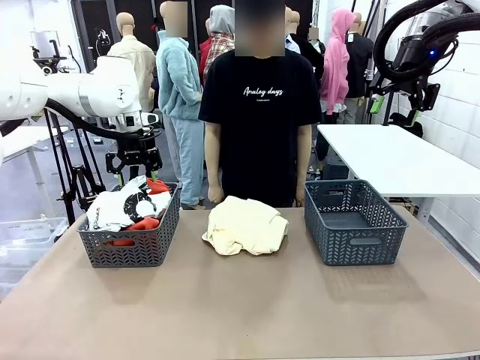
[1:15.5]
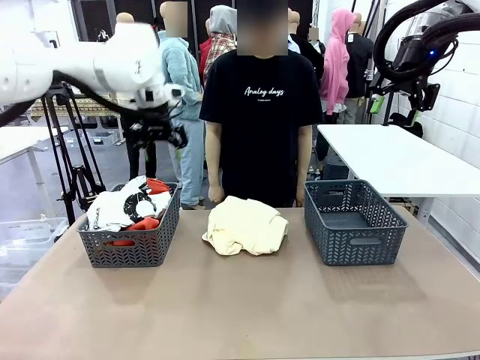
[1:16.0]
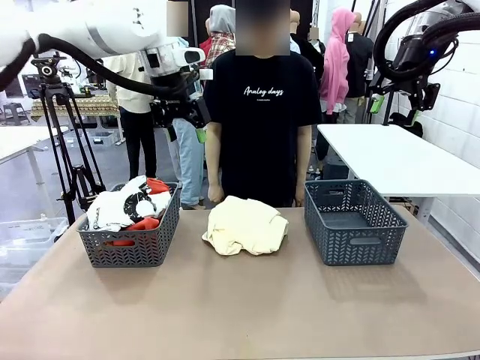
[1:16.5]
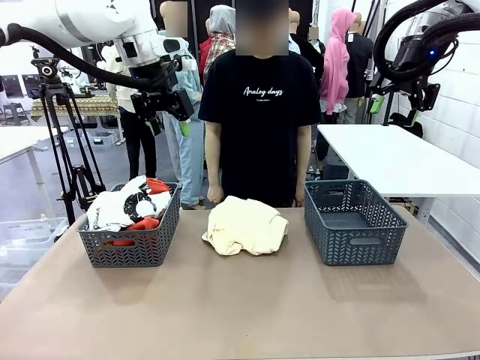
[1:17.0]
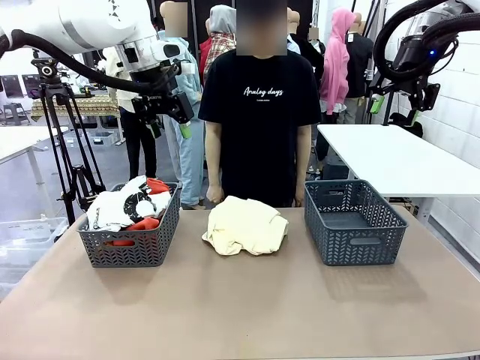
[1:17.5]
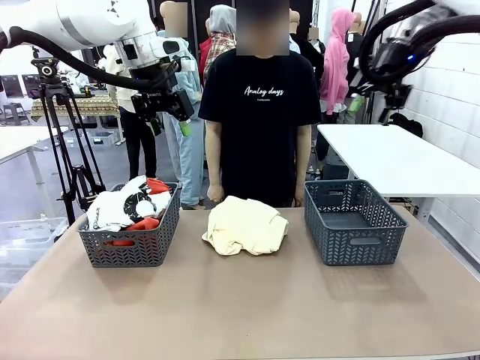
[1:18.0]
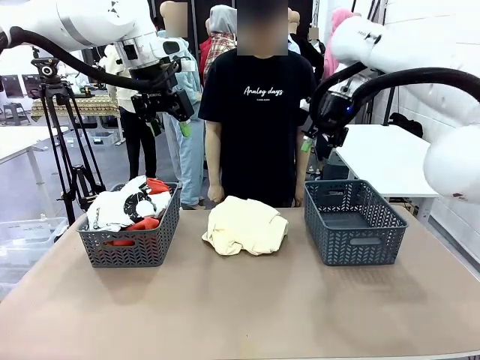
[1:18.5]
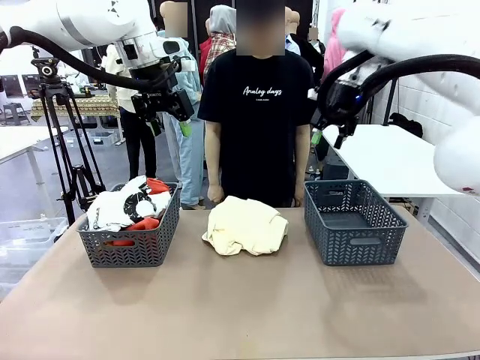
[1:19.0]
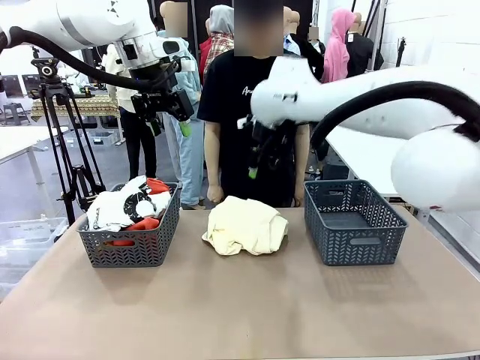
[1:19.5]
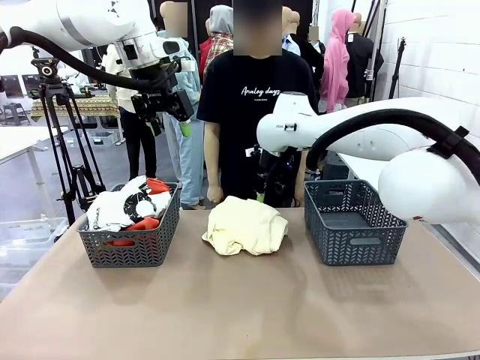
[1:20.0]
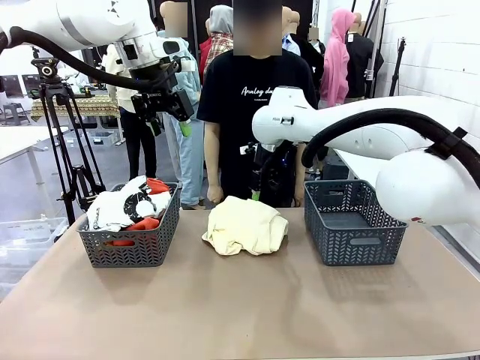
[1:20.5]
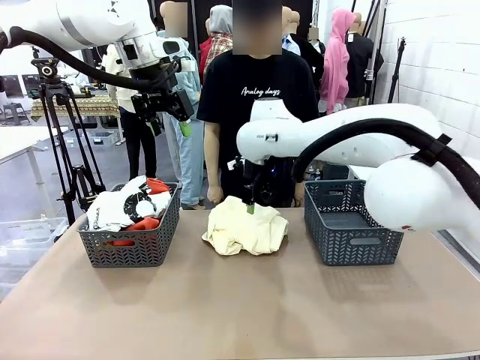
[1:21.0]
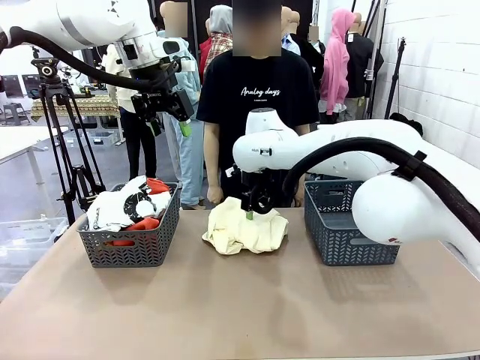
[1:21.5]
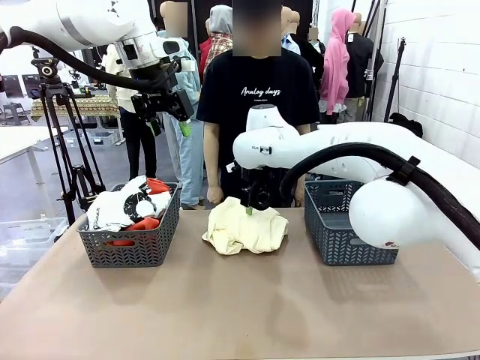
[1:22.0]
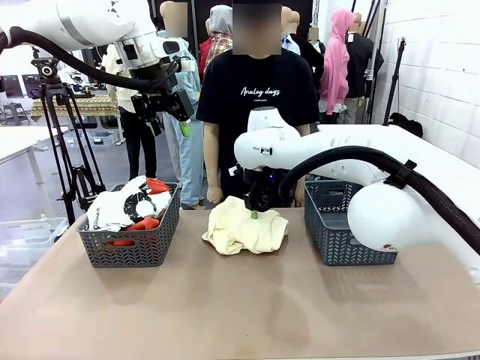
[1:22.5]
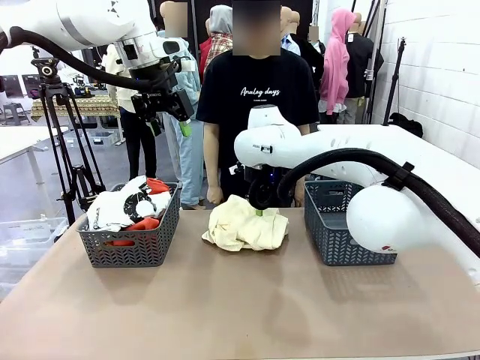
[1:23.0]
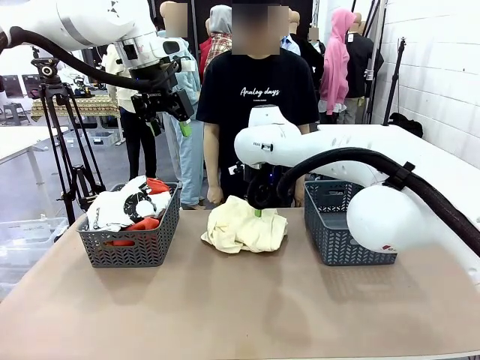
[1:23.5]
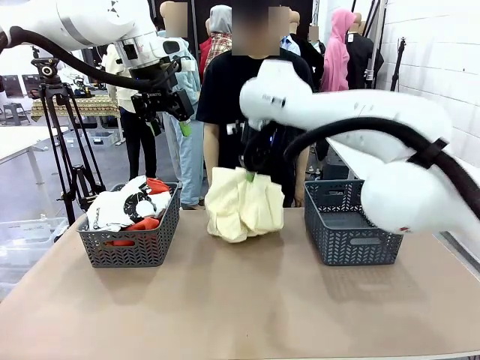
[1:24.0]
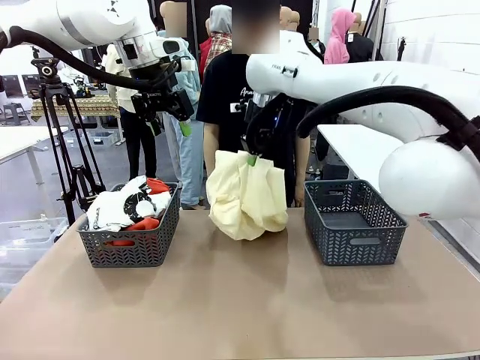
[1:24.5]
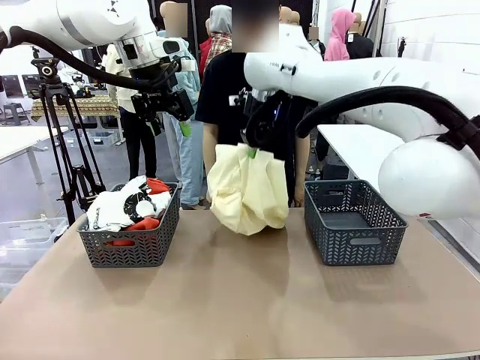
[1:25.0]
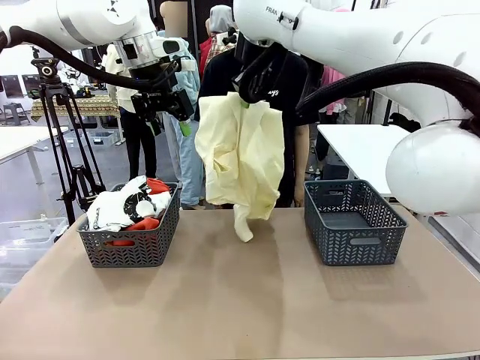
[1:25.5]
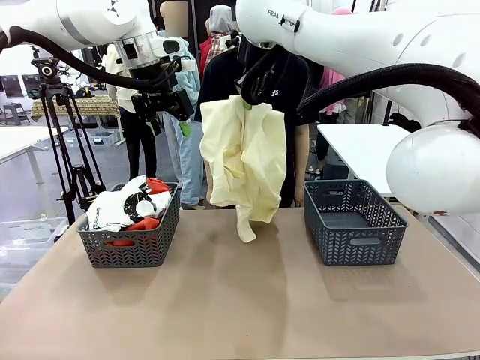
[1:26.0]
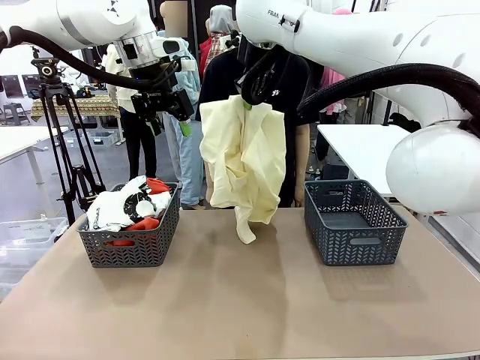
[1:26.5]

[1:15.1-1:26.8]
Task: Sort the tops and bottoms.
Robot: Lift clothes from the center of the table with your right hand.

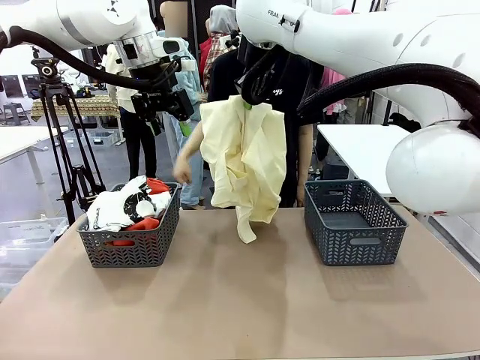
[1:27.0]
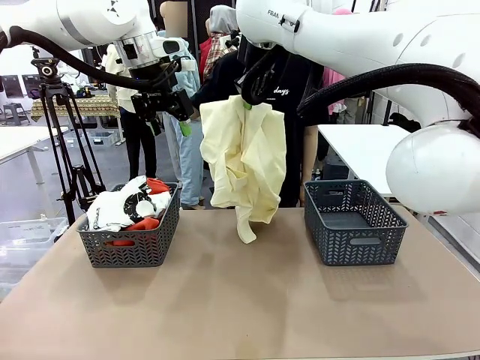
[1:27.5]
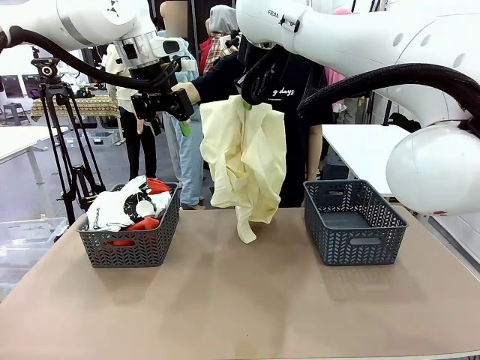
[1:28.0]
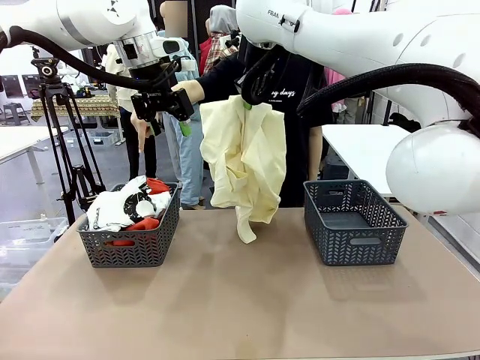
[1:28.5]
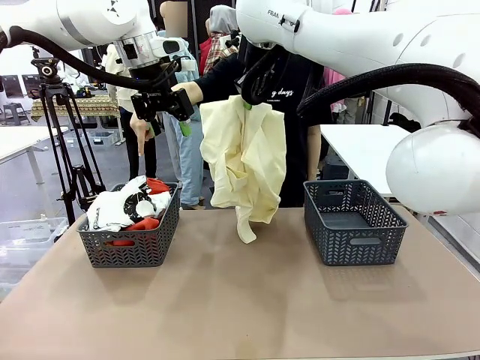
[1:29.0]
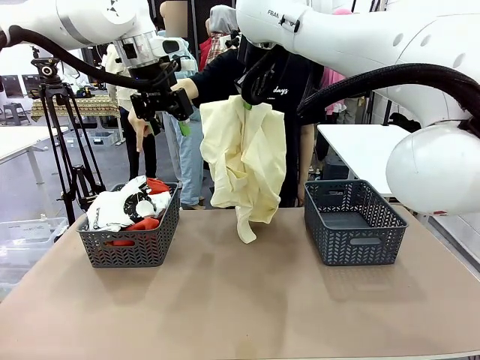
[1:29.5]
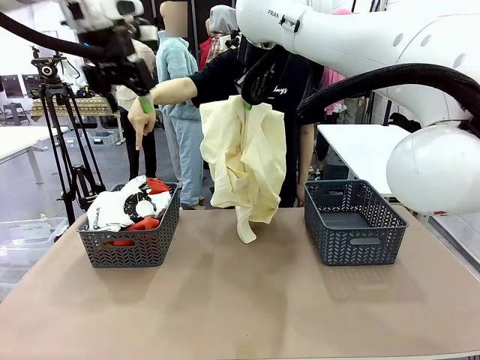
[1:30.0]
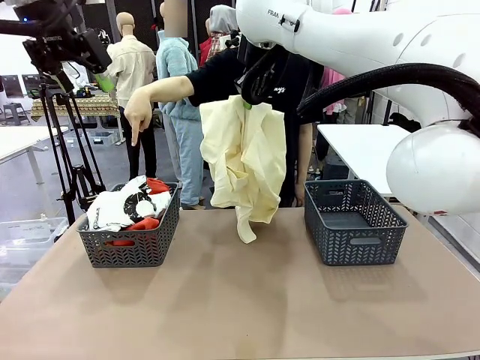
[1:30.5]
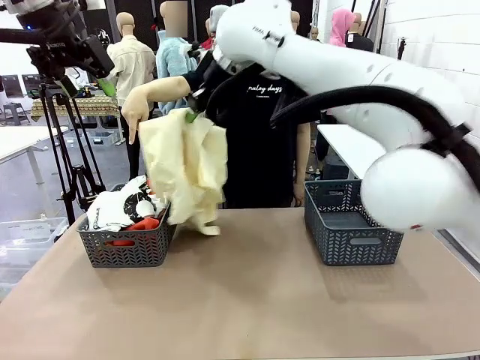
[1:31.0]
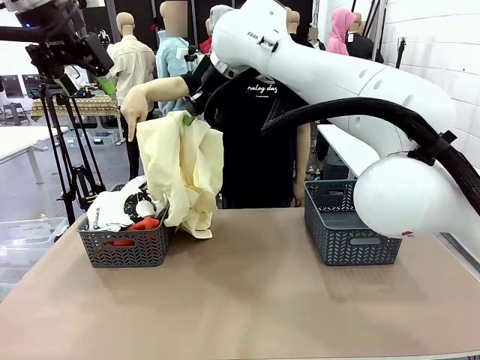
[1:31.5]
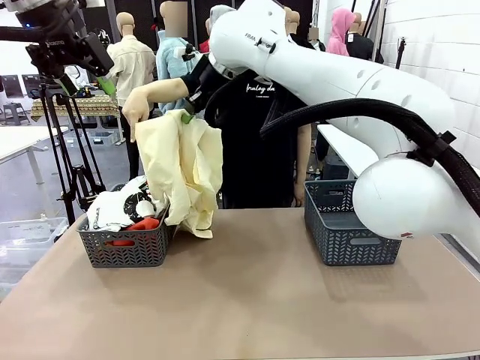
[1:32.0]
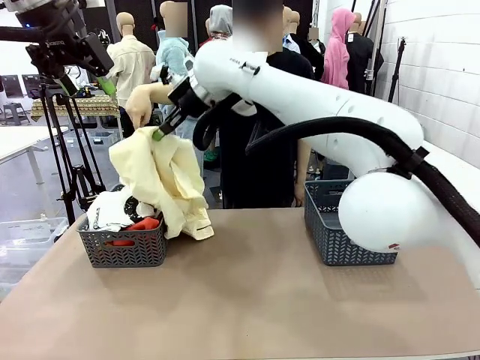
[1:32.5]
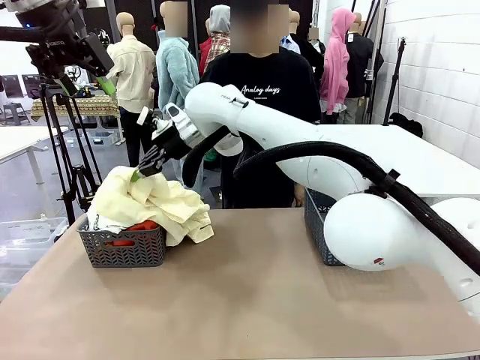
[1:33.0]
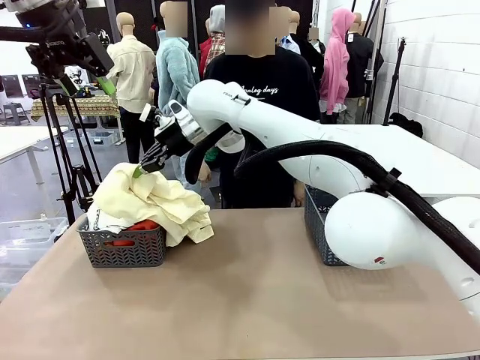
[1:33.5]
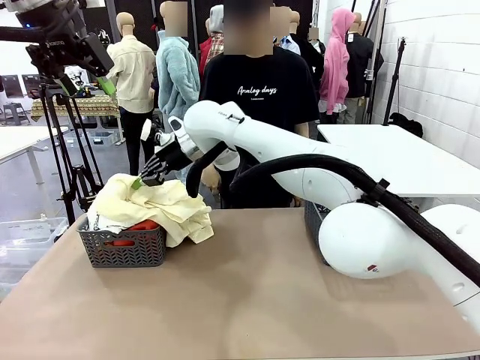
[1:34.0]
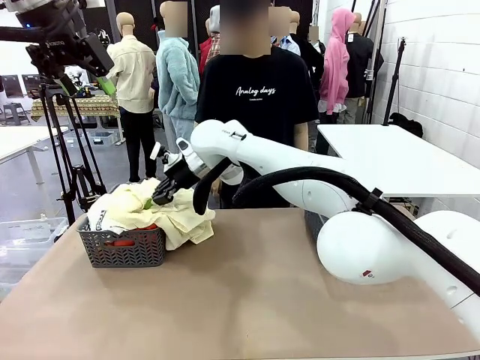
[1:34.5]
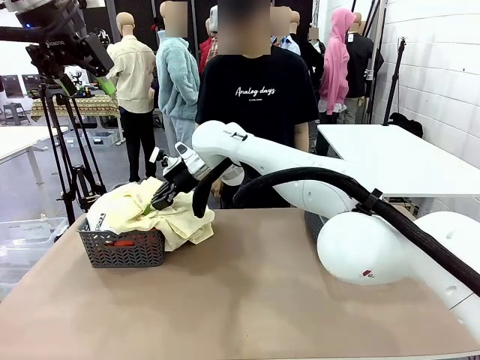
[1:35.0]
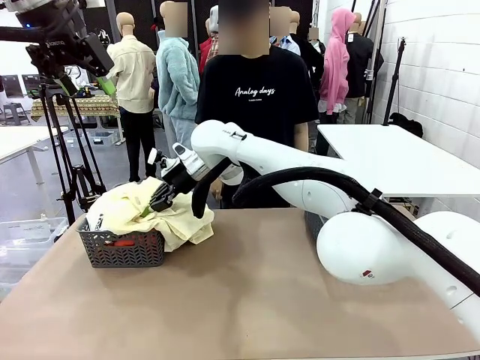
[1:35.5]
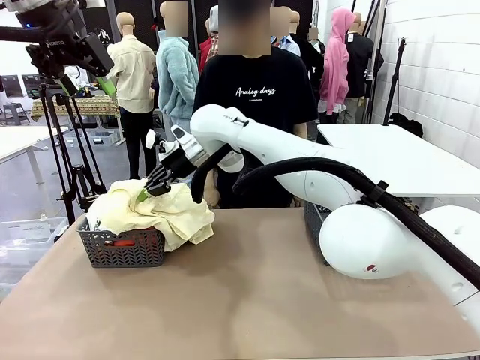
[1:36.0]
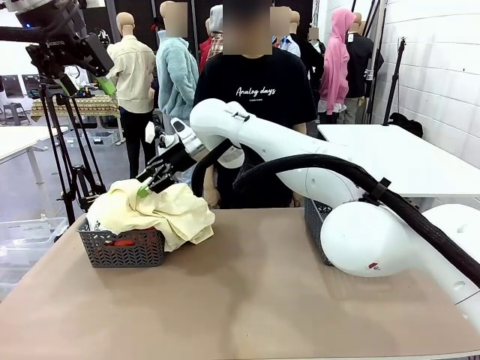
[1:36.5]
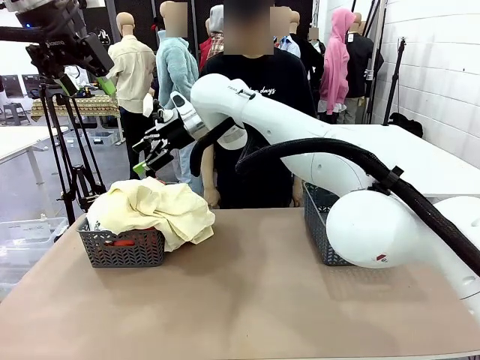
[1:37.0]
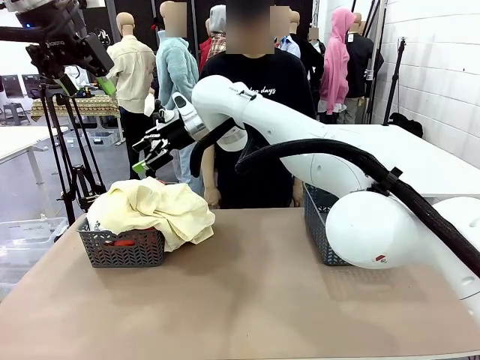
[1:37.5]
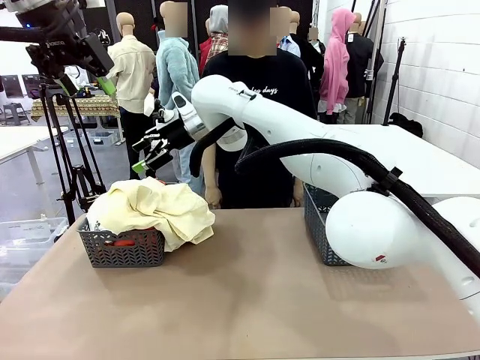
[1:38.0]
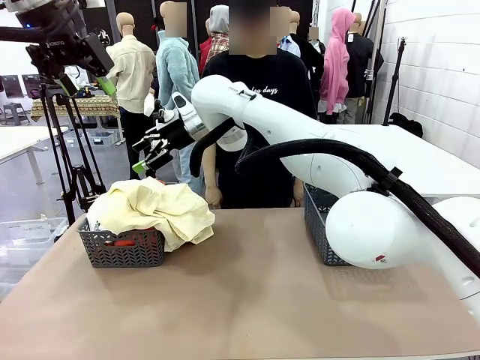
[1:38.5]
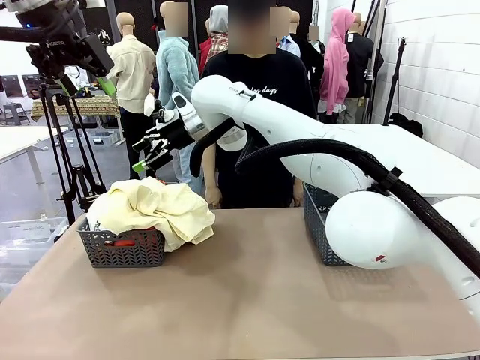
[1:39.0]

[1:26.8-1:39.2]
Robot: Sort the clothes according to human instructions.

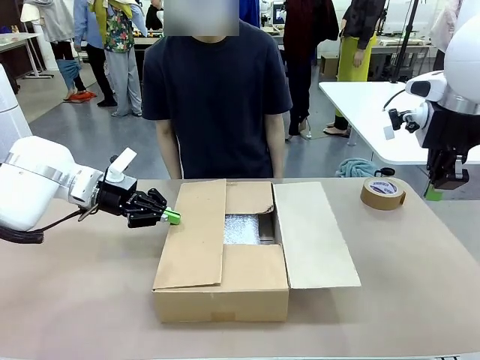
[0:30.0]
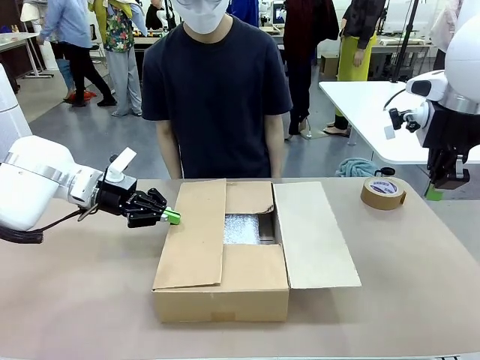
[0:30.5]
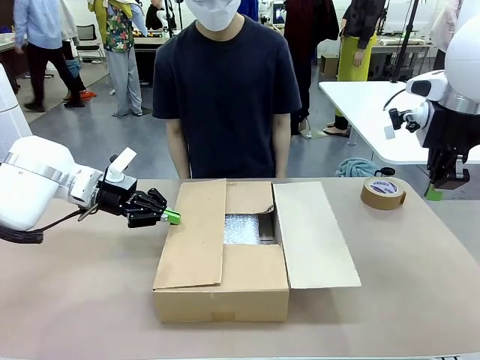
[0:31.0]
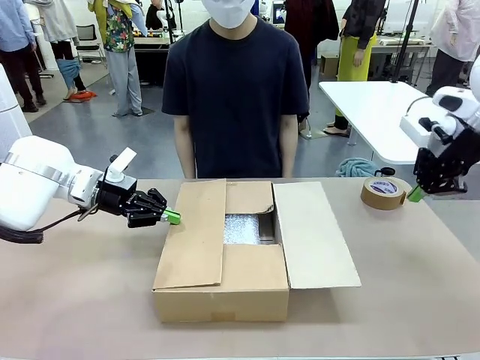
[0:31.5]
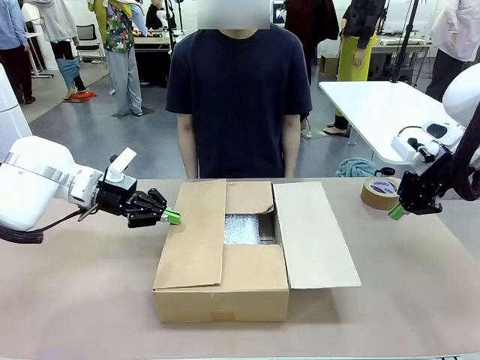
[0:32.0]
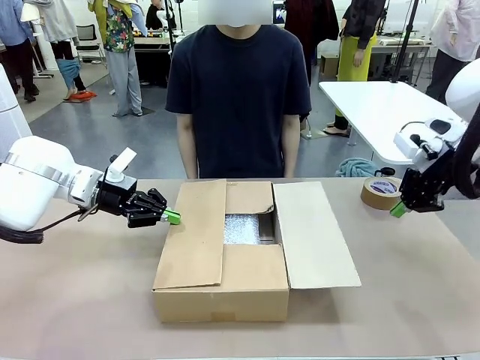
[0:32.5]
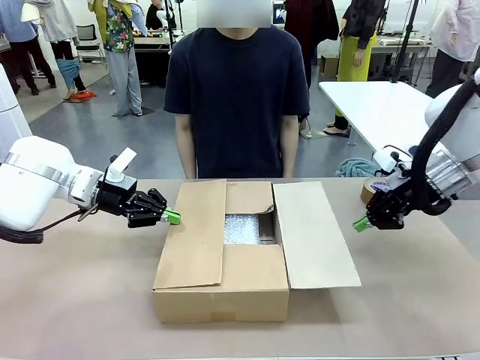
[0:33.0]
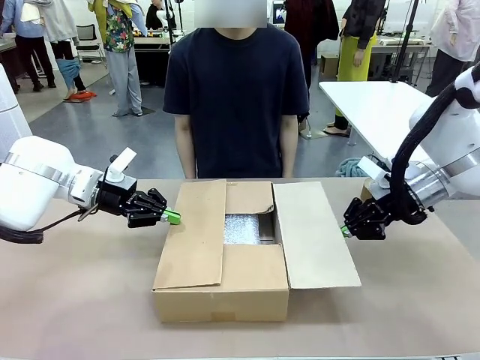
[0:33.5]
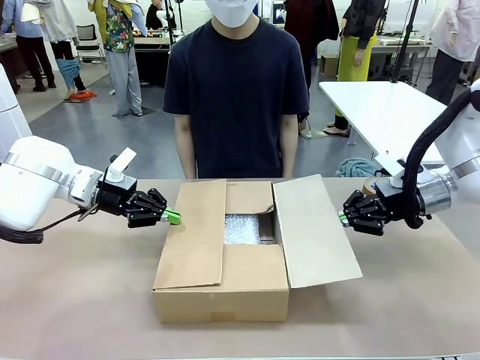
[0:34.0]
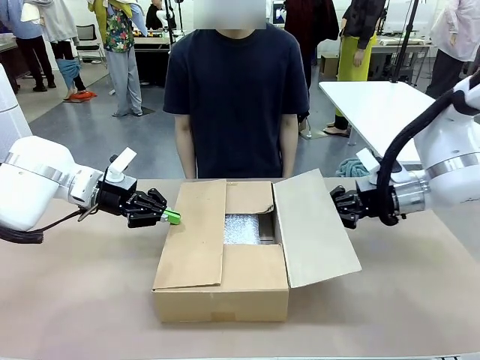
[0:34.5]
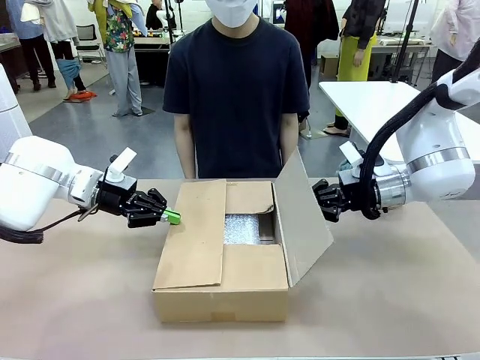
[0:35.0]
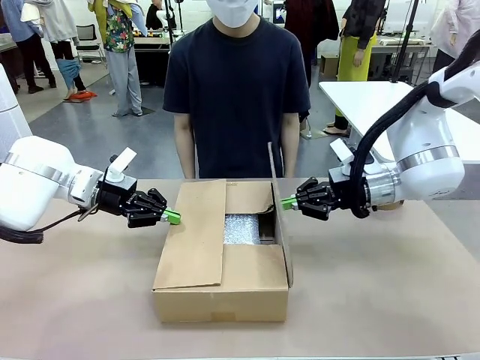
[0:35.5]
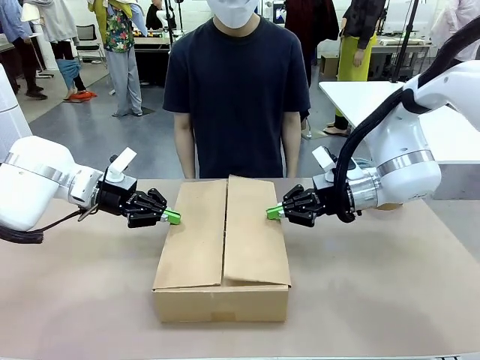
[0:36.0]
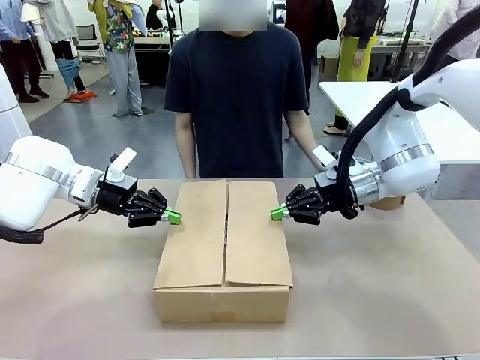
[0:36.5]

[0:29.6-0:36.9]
Task: Wrap the clocks to prevent damage.
Robot: Push the left (or right) flap of the Package Box to close it.
